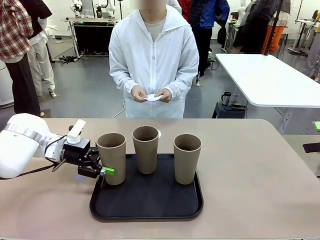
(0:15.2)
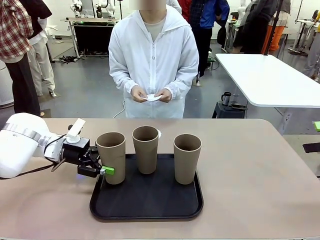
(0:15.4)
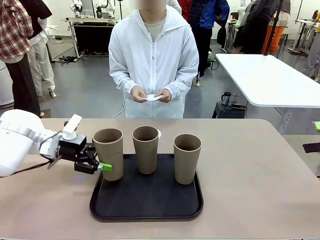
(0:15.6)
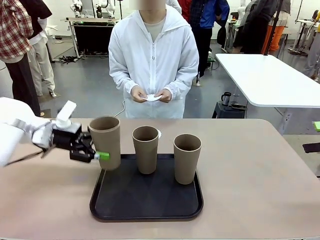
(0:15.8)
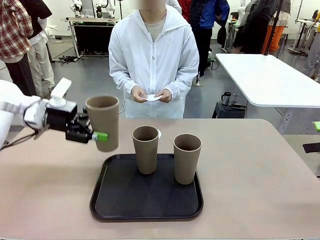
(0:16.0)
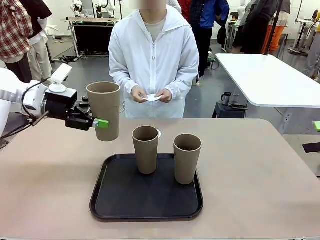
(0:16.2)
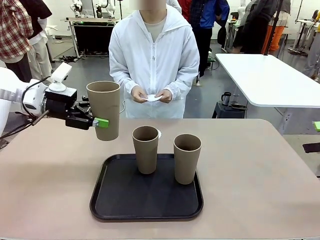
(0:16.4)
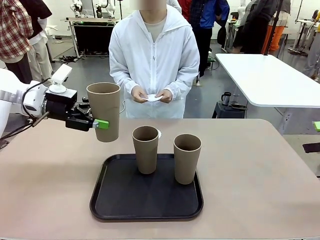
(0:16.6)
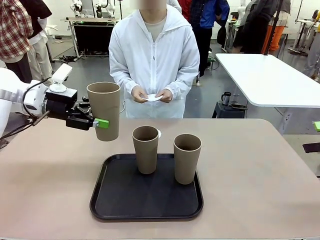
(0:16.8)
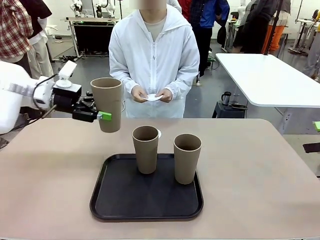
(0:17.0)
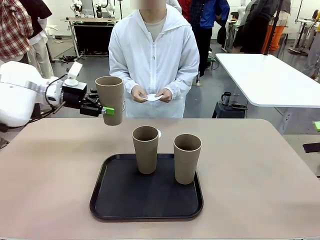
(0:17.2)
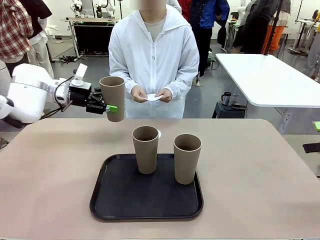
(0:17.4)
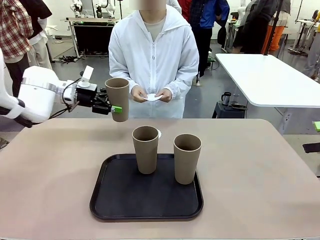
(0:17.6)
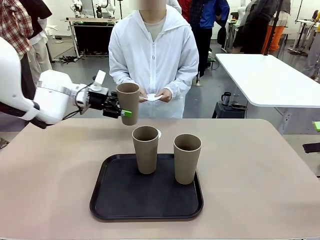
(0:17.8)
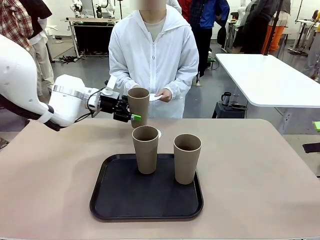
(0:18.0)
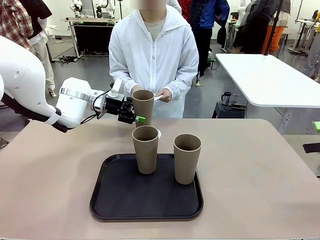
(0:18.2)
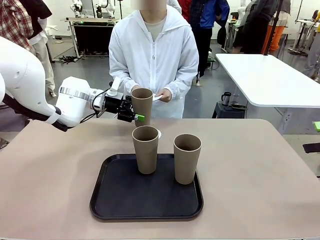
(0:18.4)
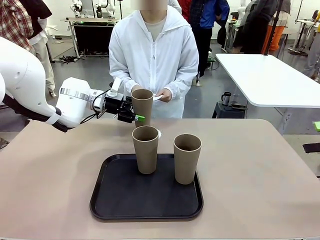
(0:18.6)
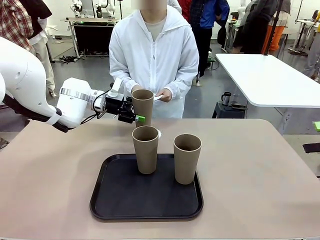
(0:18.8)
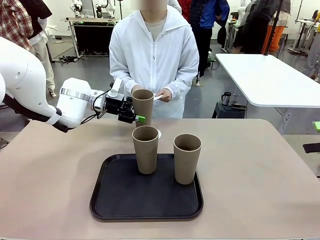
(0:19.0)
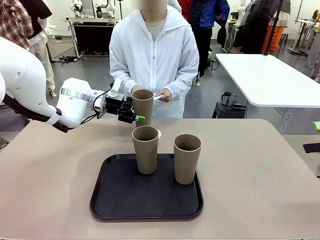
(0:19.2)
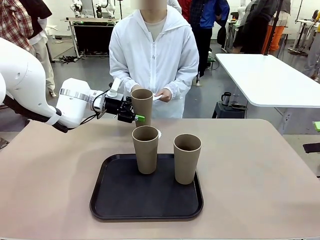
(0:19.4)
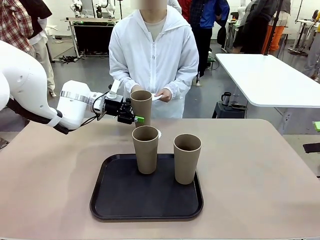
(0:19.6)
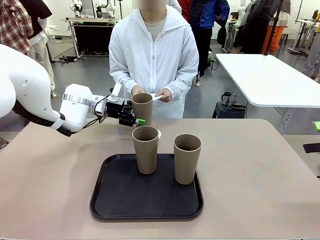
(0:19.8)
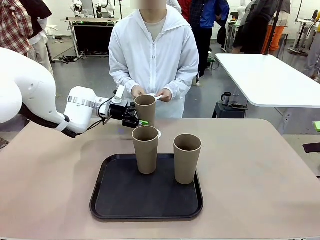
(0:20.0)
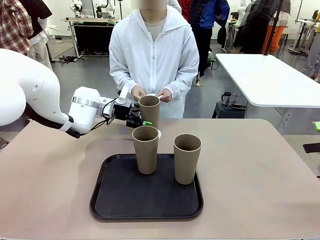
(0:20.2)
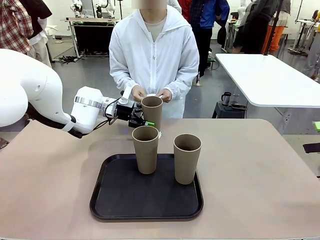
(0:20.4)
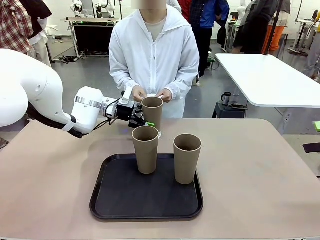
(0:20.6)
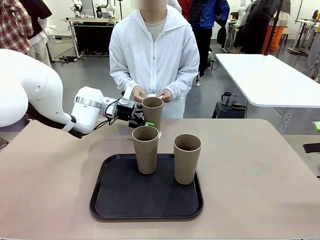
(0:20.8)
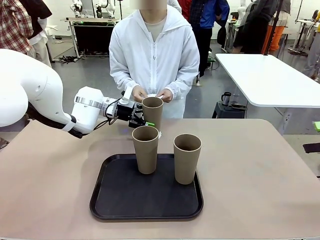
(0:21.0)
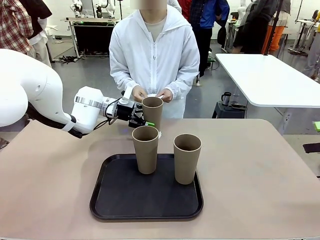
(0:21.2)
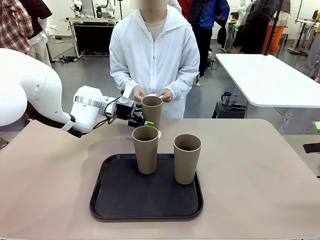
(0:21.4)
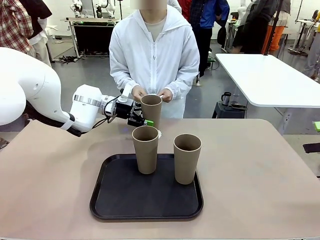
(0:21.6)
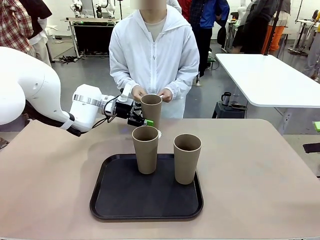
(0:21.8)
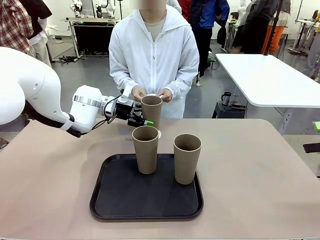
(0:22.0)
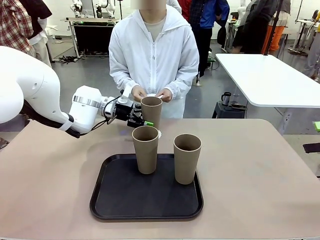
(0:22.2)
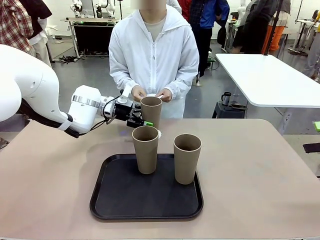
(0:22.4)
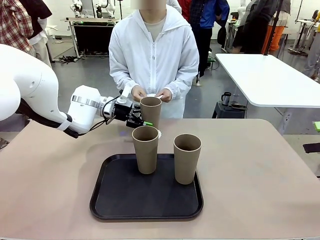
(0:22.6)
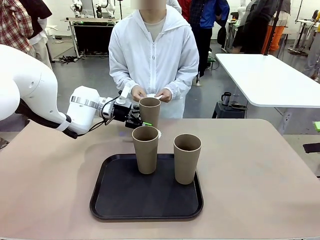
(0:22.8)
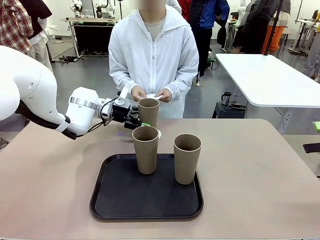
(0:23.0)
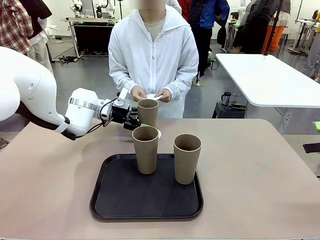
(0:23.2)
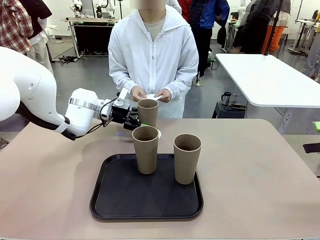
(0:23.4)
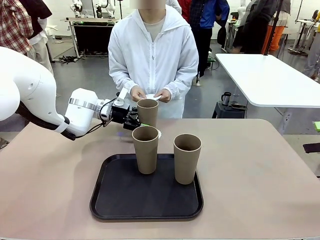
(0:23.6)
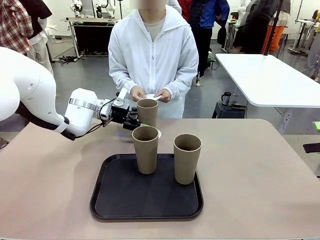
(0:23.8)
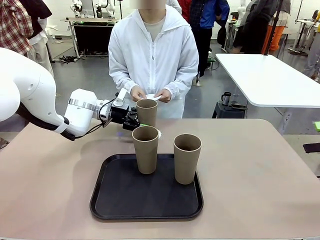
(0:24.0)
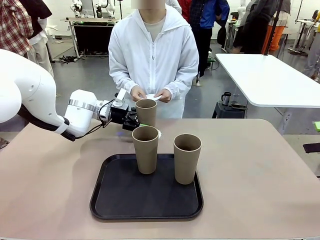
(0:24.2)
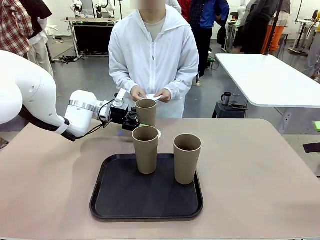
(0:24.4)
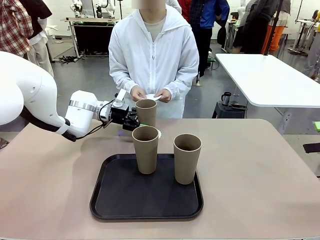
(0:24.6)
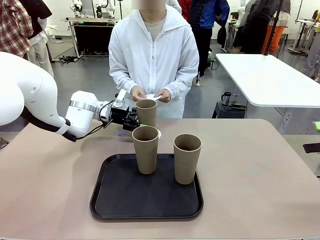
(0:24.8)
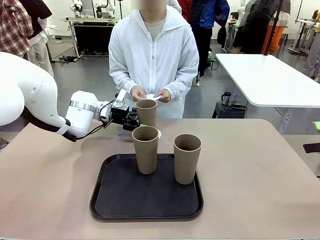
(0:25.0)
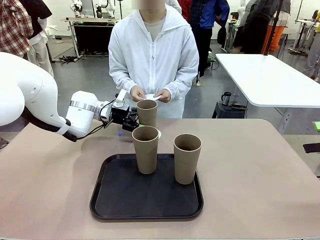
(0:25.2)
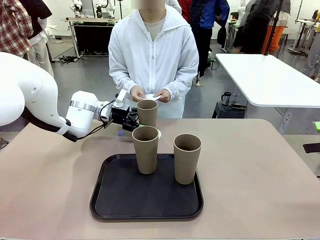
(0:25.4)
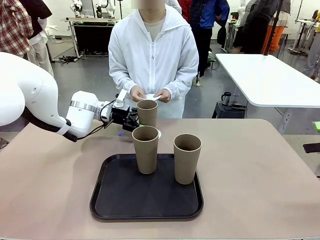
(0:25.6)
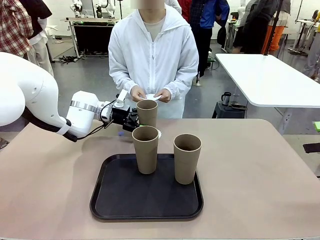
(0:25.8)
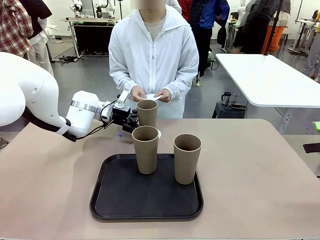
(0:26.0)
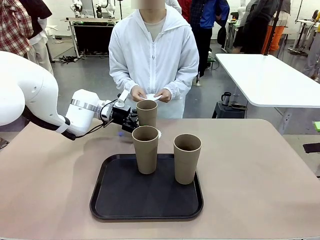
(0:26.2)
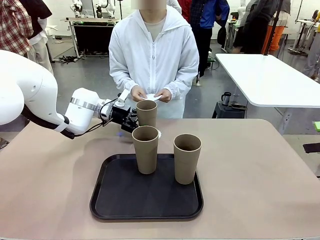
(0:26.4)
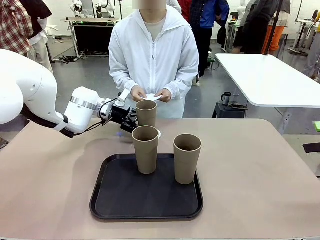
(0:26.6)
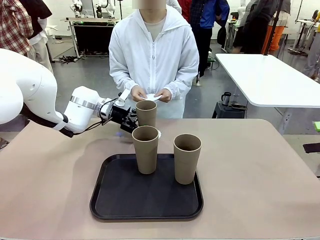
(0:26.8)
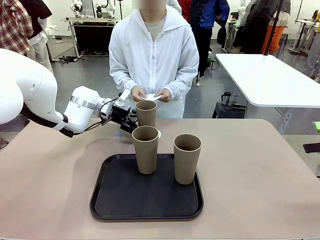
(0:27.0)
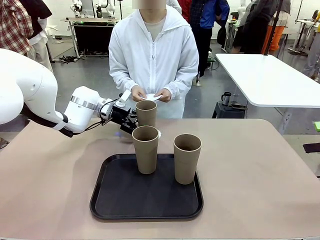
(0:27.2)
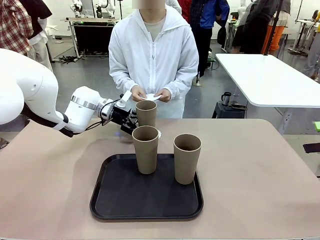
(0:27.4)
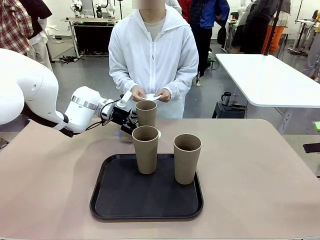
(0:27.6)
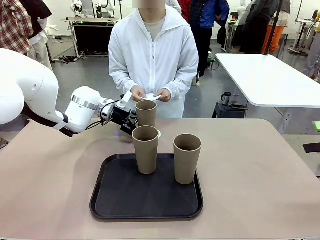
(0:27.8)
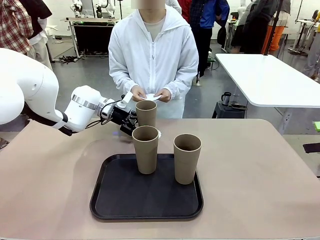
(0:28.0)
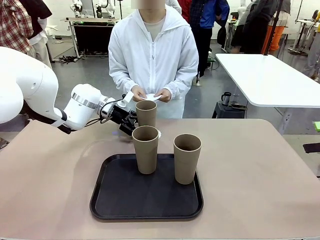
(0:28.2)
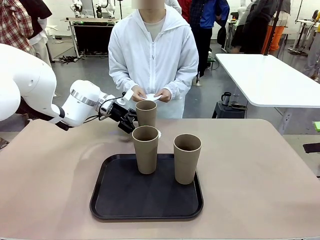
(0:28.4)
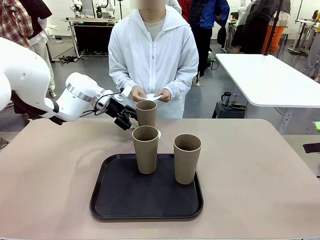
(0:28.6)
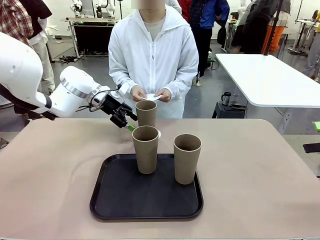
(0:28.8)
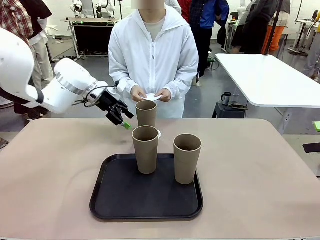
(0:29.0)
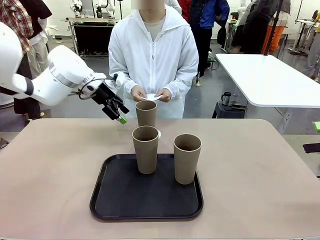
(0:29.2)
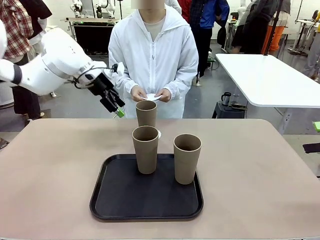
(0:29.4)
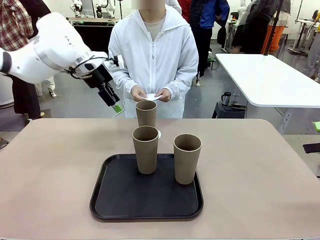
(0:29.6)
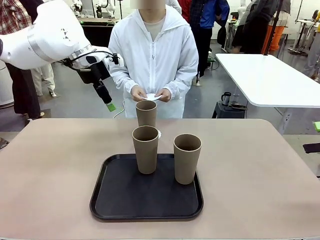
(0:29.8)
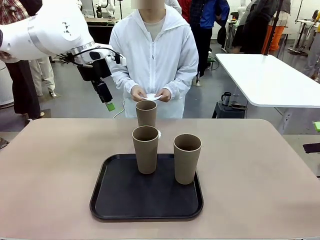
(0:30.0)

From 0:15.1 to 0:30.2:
Task: Place coasters on the table and set cups on them.
Robot: Pick up one Reusable plastic cup and place it on a coaster set by the human.
